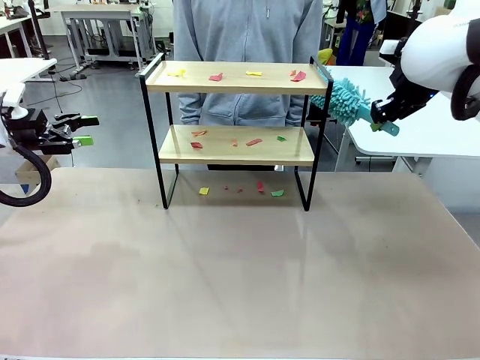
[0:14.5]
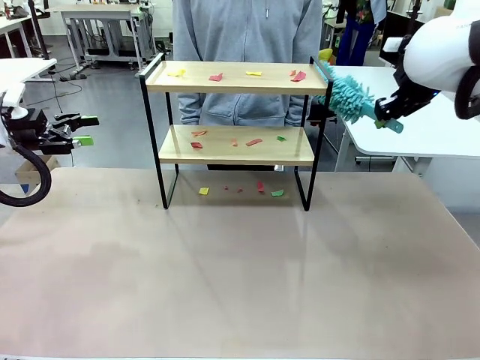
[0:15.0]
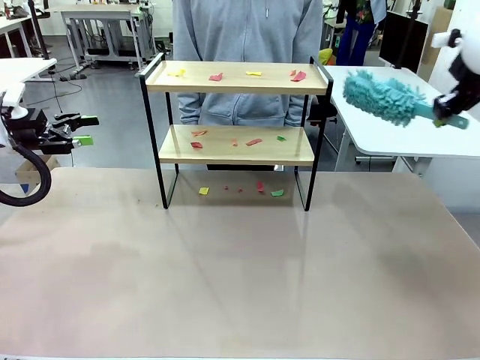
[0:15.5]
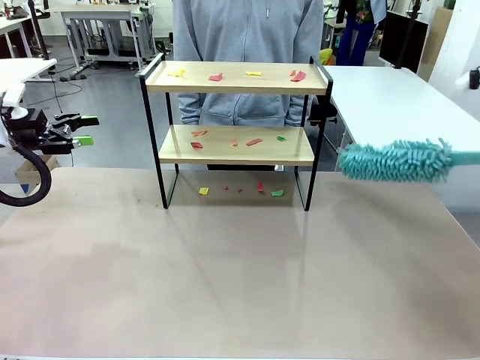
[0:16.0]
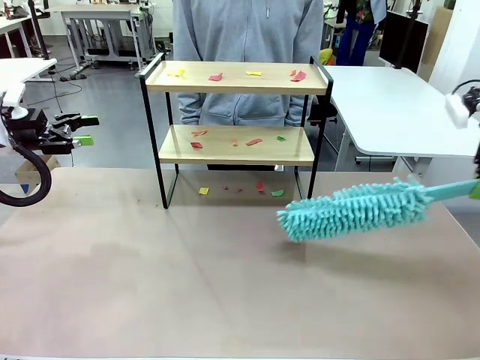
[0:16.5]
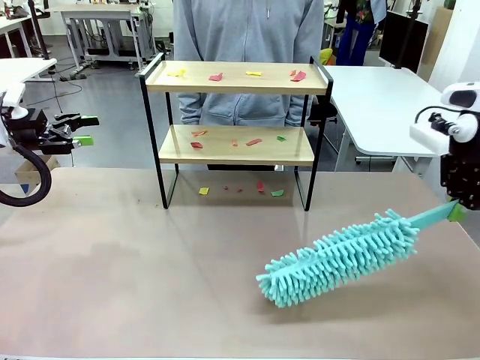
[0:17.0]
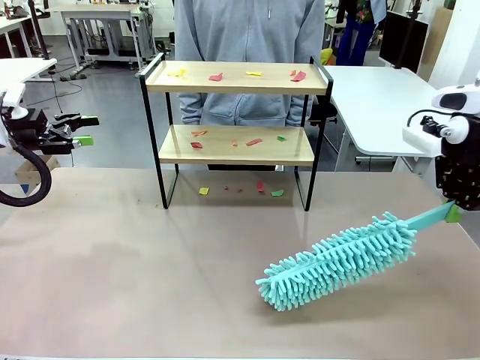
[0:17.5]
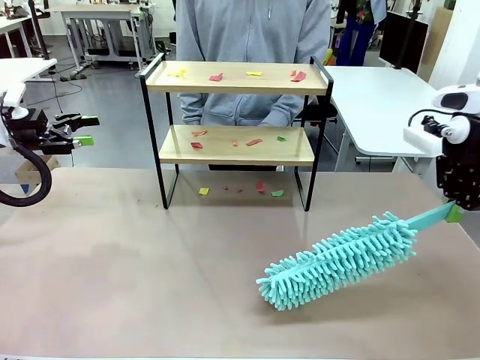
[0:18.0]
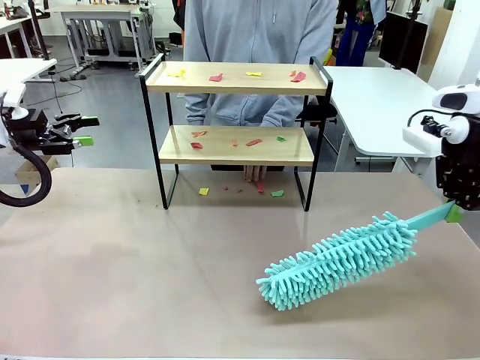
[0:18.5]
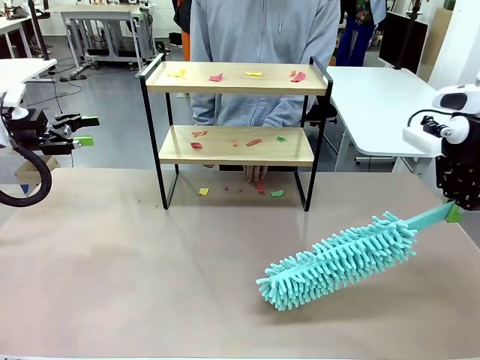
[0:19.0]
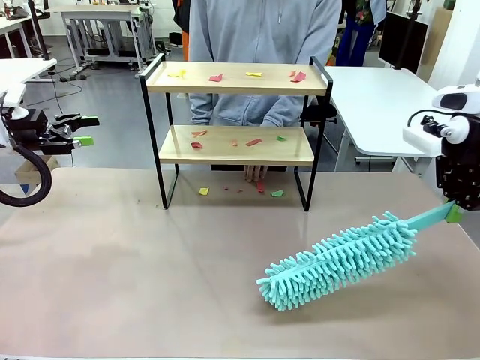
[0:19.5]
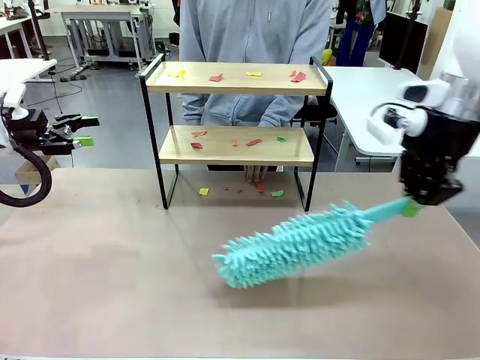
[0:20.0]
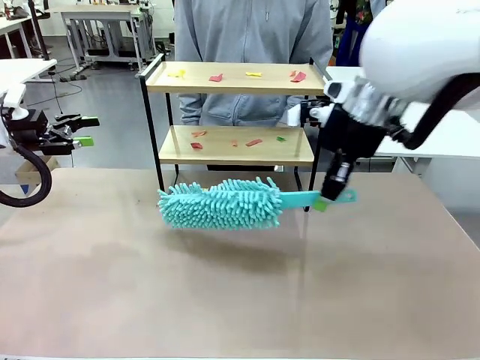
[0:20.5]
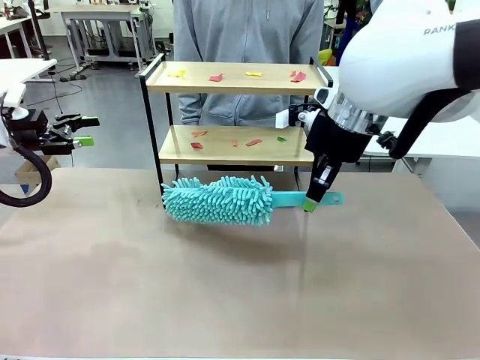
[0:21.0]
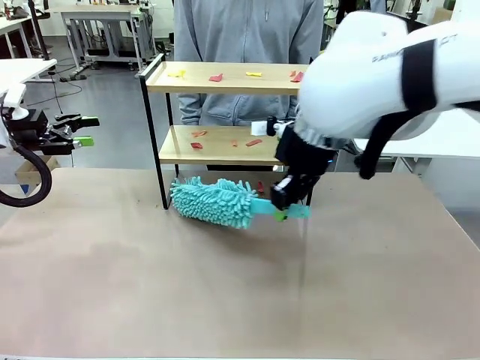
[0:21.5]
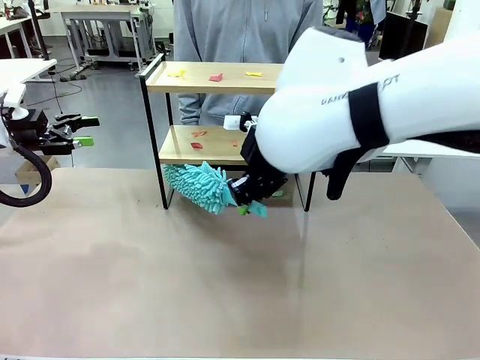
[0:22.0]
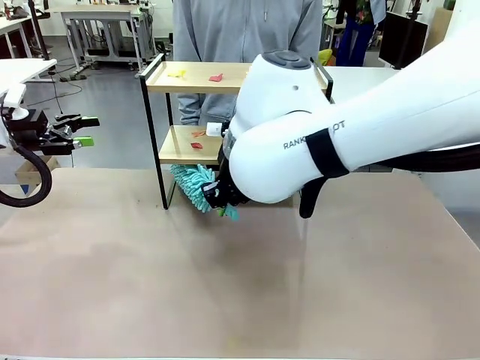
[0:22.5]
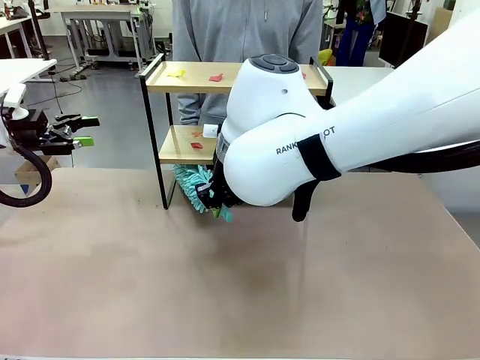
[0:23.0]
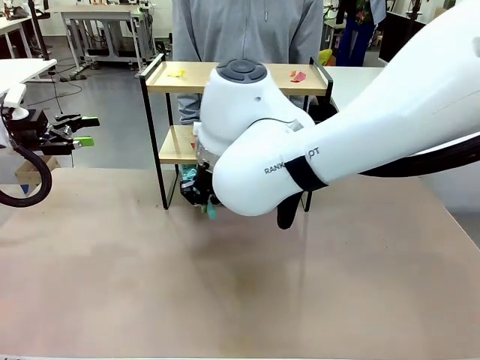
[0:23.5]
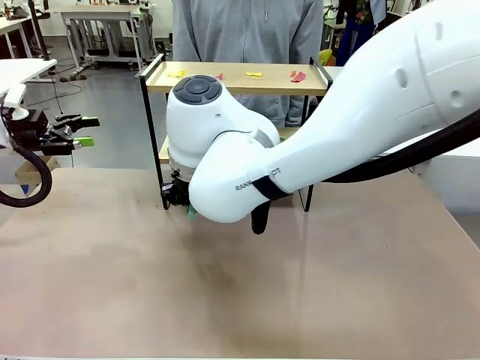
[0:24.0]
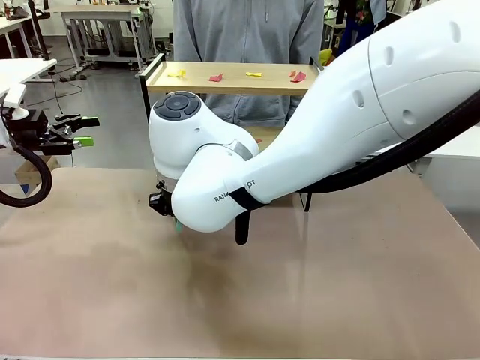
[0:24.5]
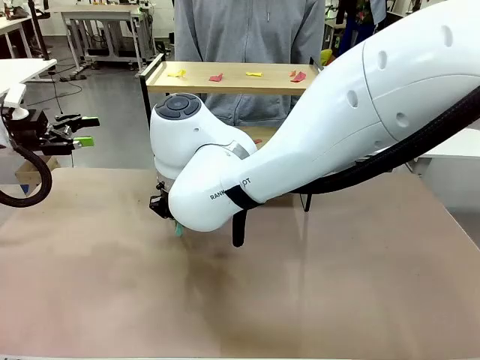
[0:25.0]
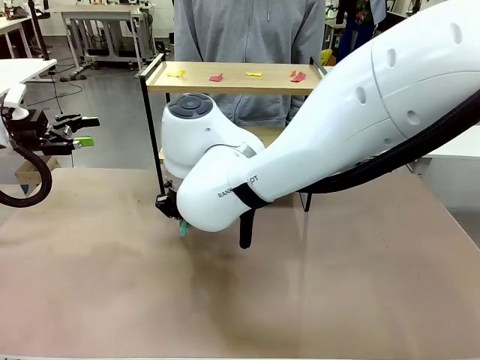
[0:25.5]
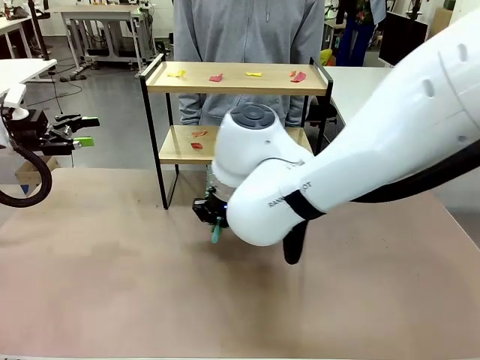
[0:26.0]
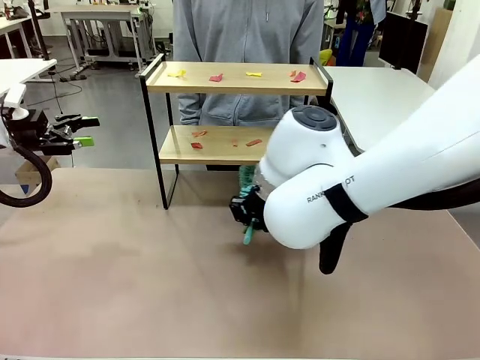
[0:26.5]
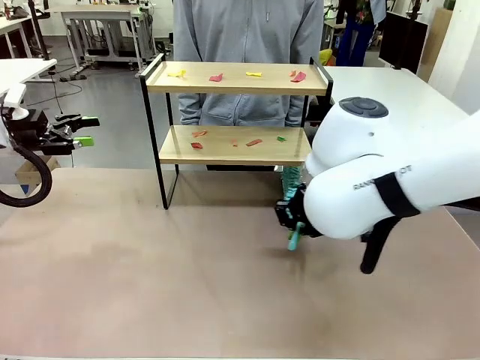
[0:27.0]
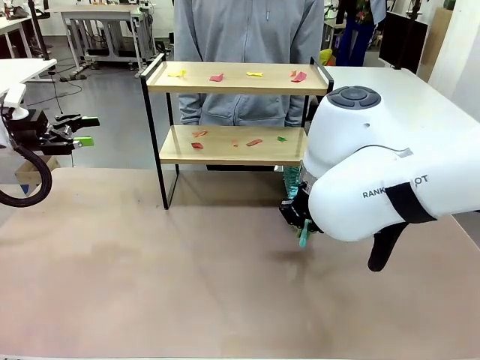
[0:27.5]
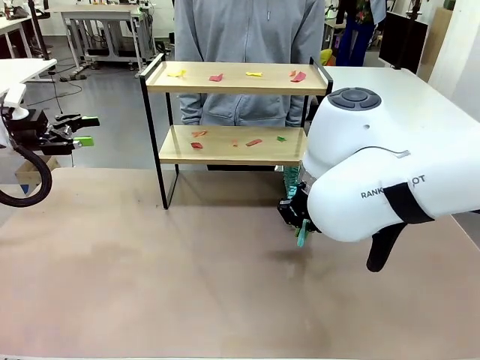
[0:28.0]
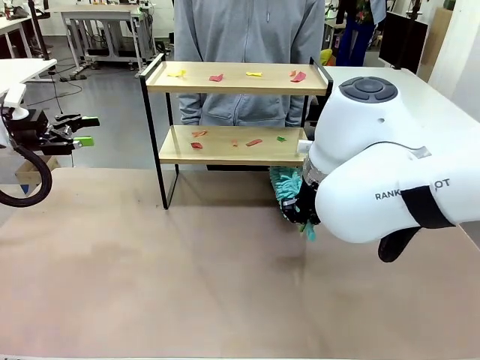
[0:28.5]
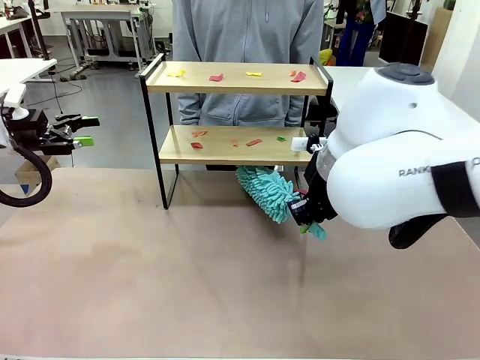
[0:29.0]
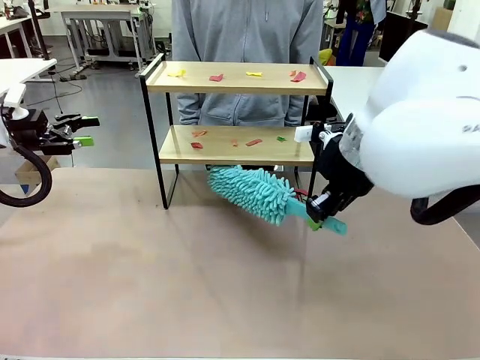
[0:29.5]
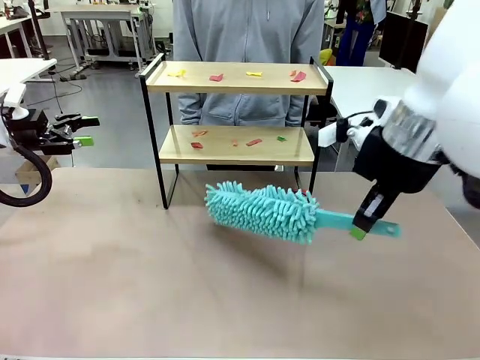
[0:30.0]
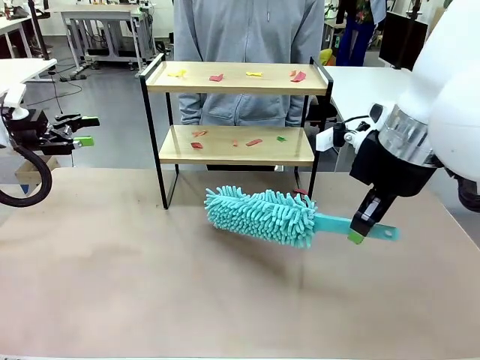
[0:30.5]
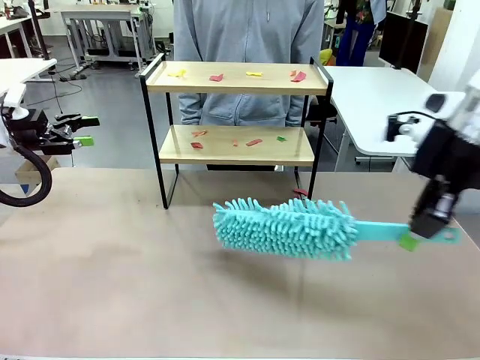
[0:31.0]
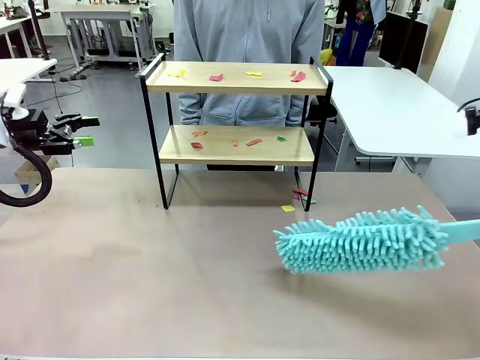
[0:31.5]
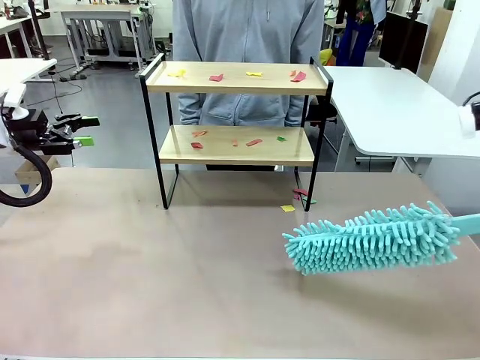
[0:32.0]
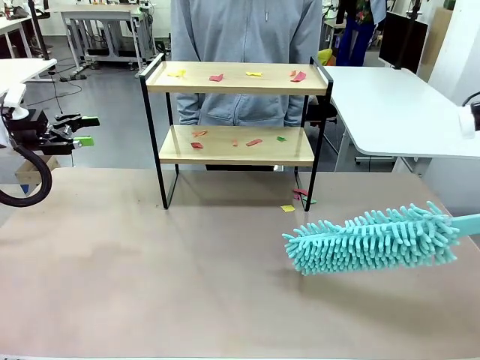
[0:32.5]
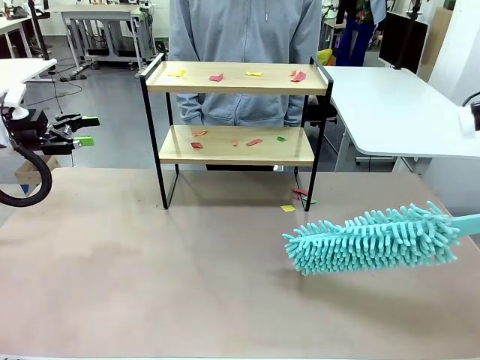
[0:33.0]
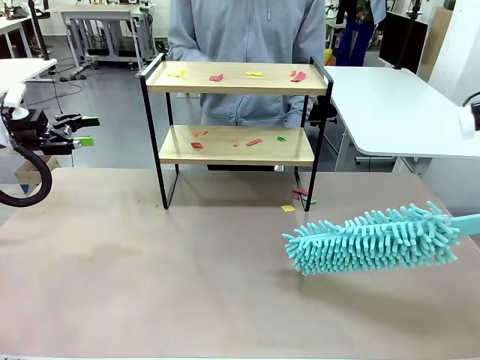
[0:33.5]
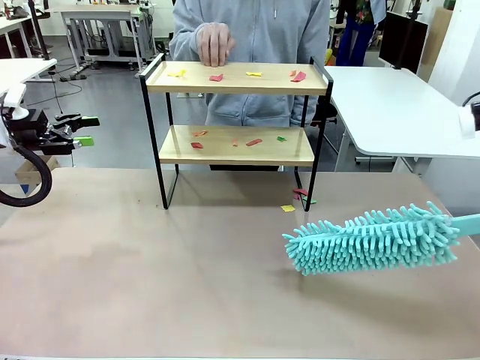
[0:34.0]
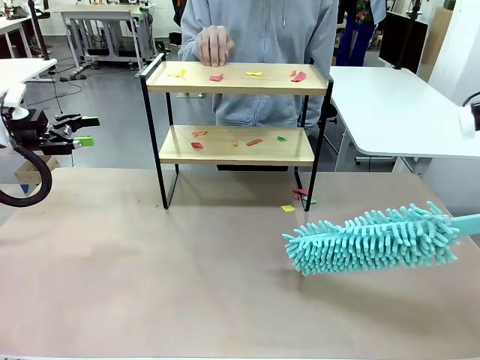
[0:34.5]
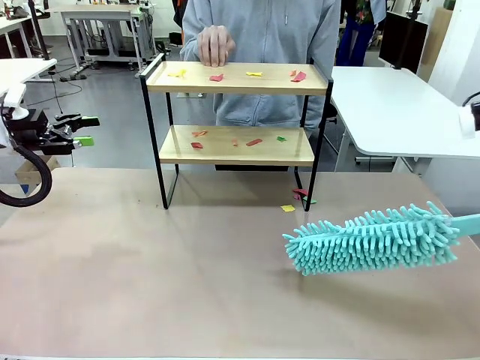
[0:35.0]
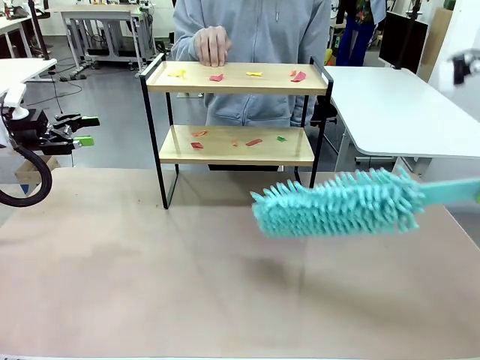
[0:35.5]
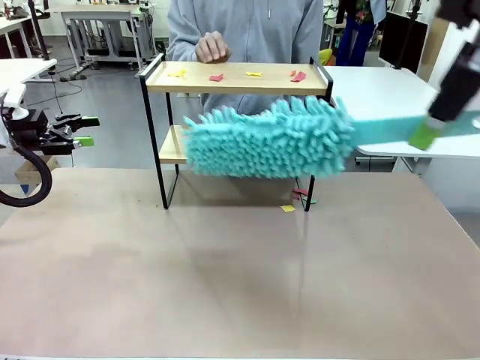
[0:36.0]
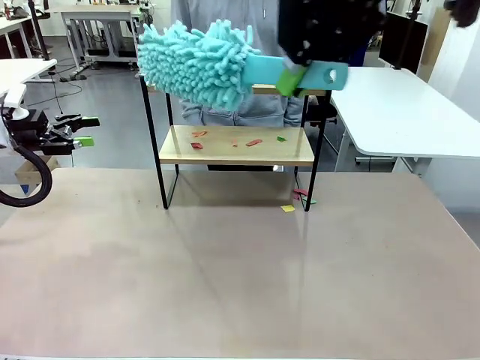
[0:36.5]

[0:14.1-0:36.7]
Task: Clean the shelf.
Robot: Clean the specific section of the Shelf indicated by the human with the Duster.
Person: Point a random section of the Shelf.
